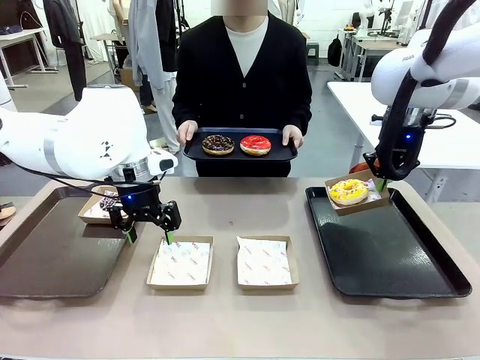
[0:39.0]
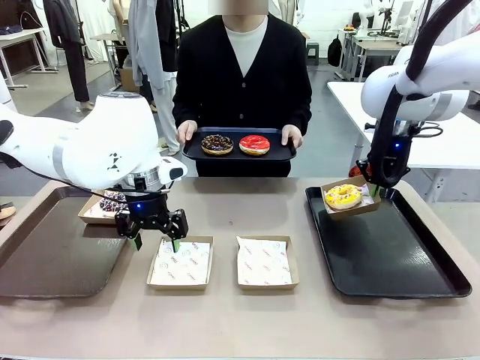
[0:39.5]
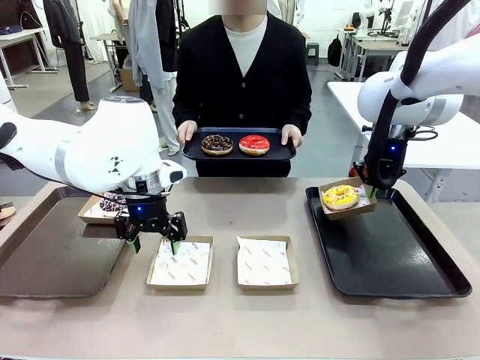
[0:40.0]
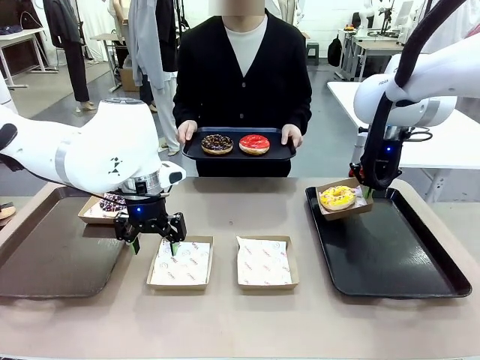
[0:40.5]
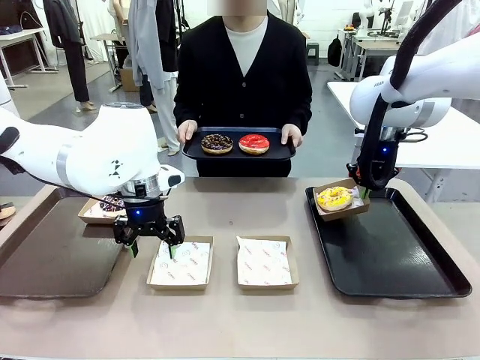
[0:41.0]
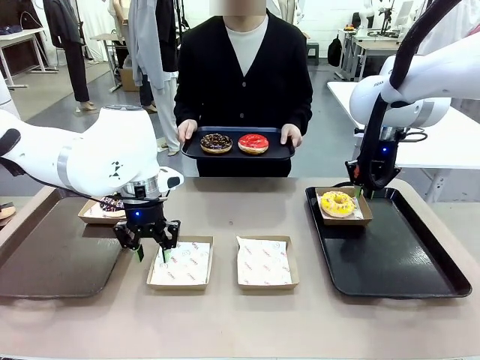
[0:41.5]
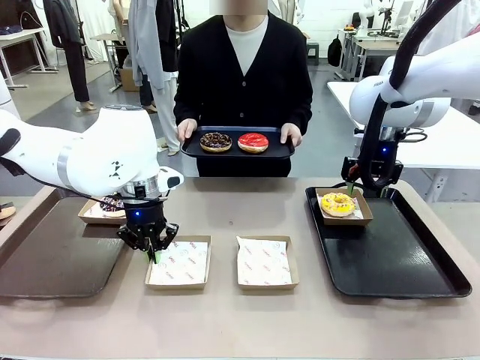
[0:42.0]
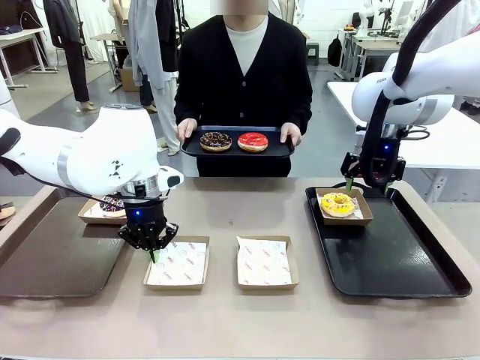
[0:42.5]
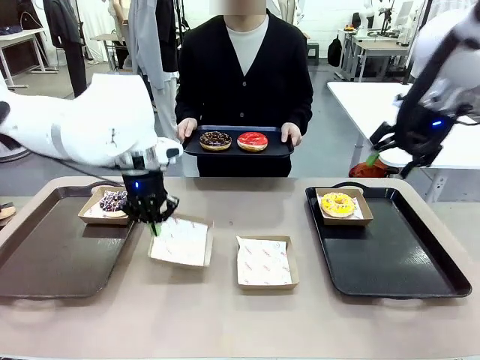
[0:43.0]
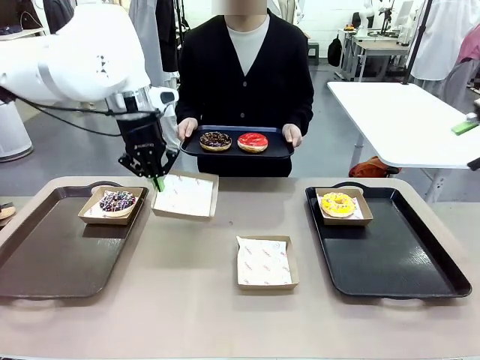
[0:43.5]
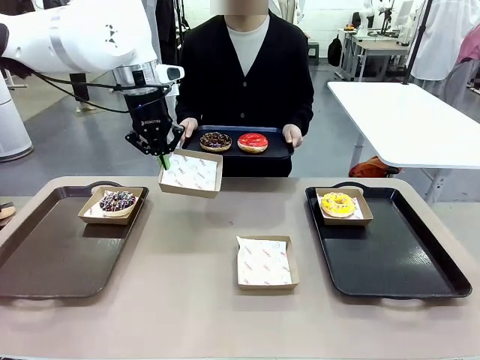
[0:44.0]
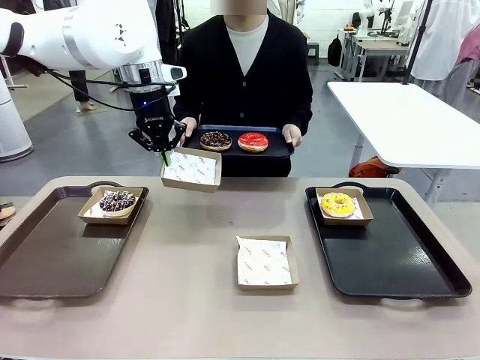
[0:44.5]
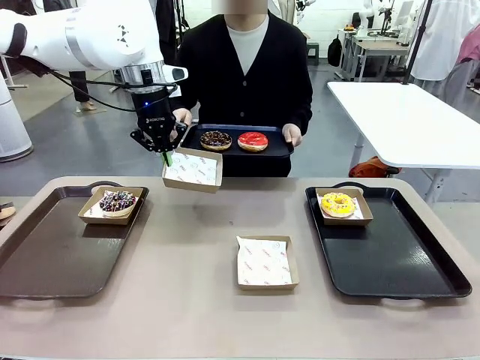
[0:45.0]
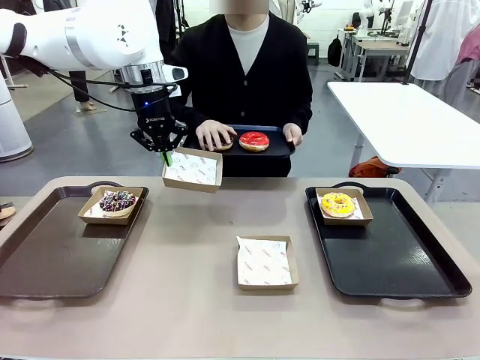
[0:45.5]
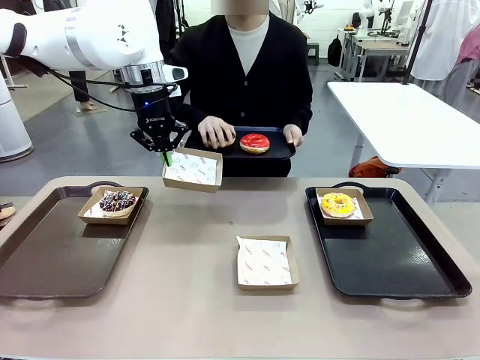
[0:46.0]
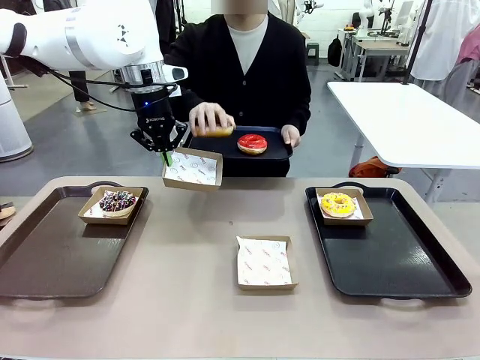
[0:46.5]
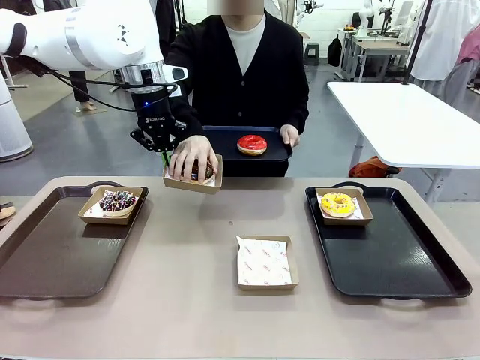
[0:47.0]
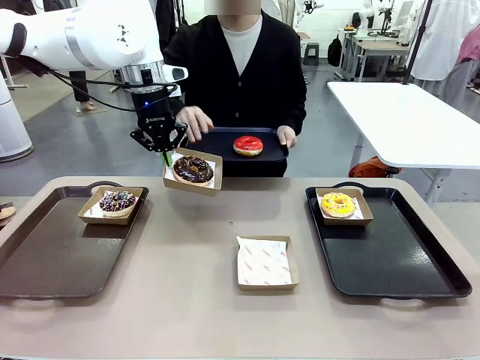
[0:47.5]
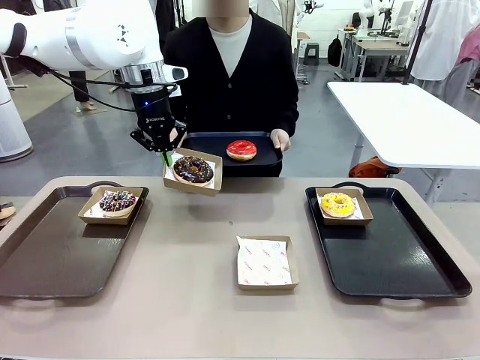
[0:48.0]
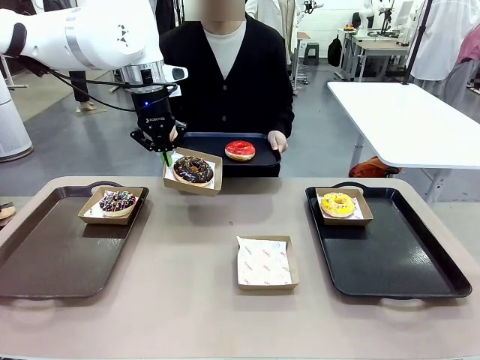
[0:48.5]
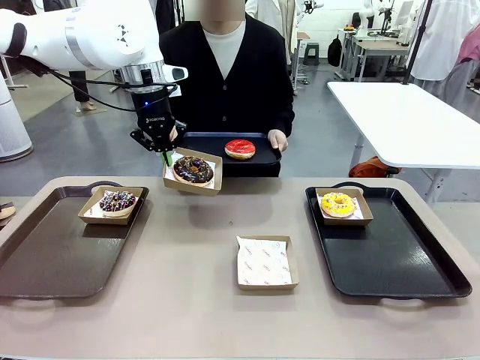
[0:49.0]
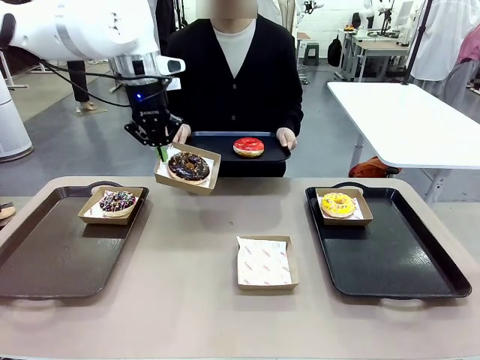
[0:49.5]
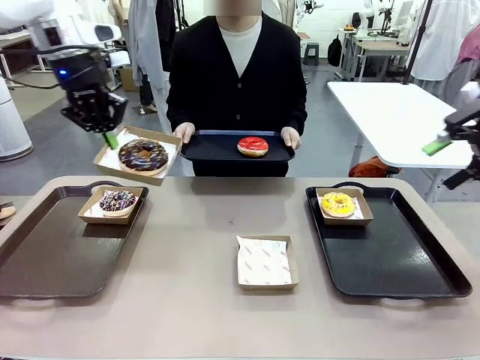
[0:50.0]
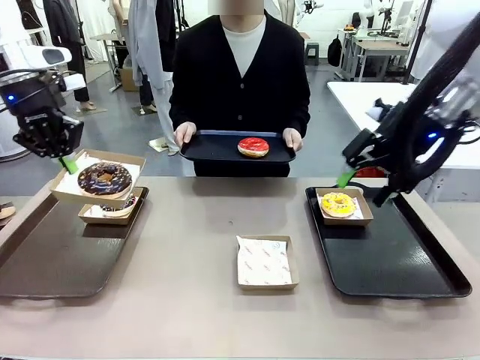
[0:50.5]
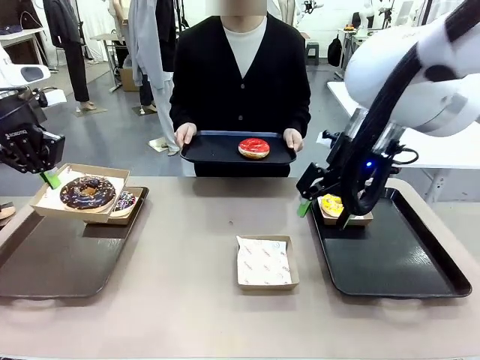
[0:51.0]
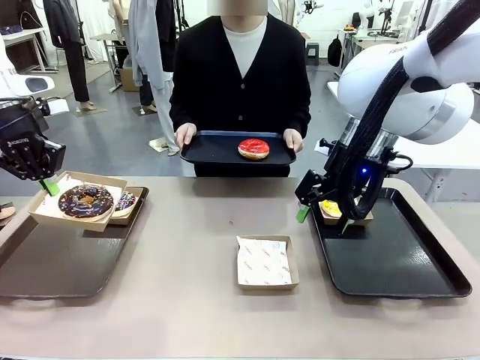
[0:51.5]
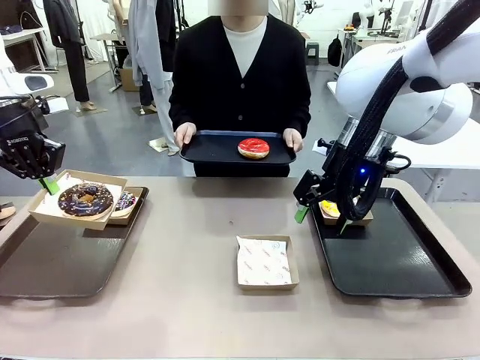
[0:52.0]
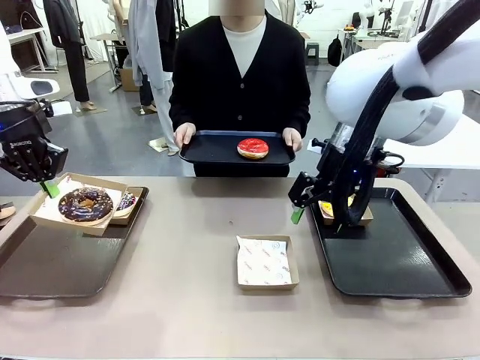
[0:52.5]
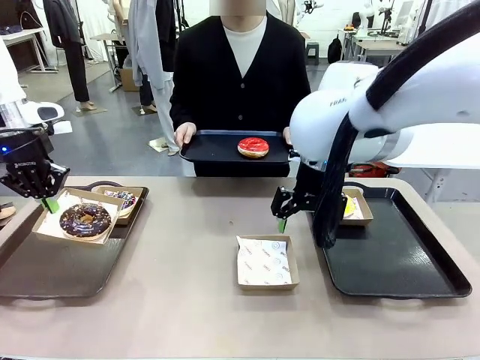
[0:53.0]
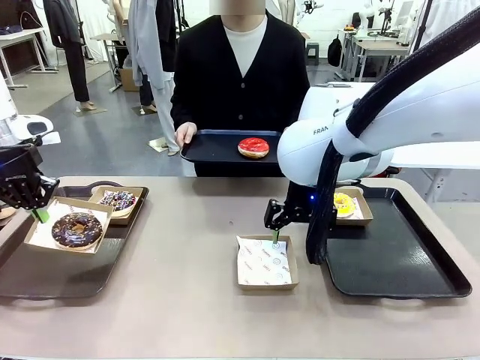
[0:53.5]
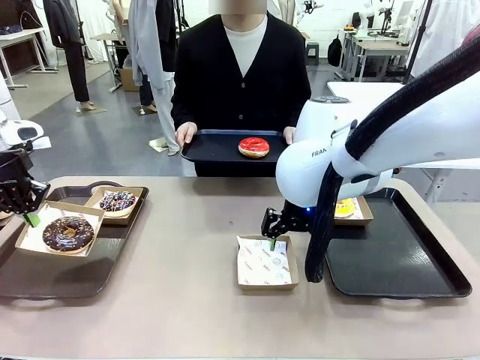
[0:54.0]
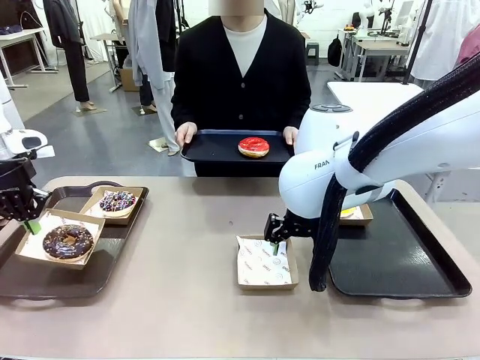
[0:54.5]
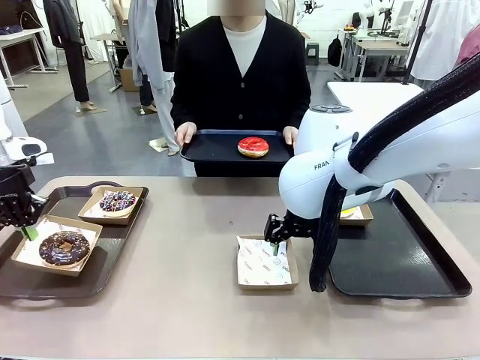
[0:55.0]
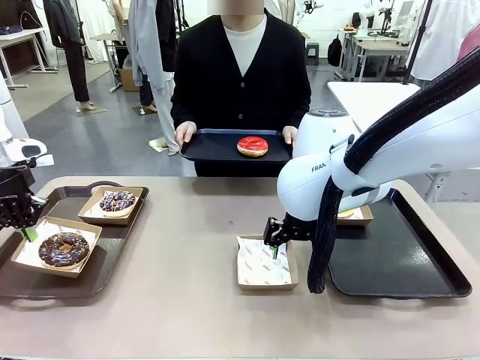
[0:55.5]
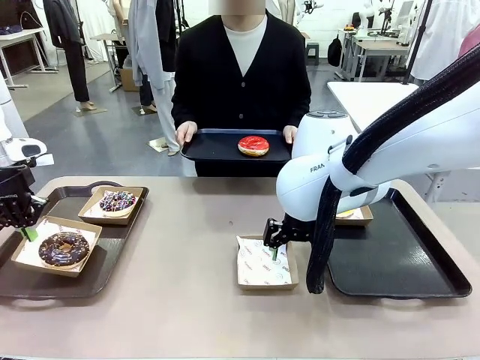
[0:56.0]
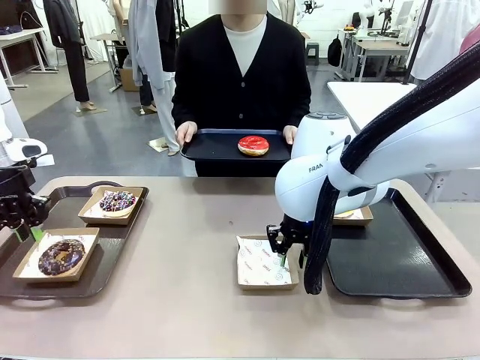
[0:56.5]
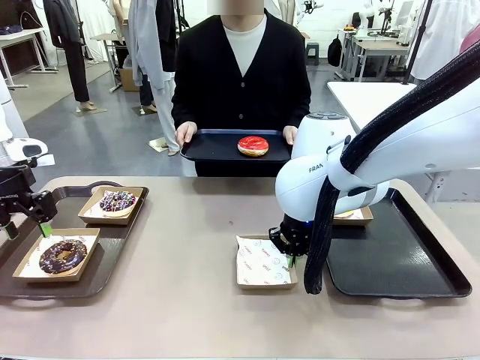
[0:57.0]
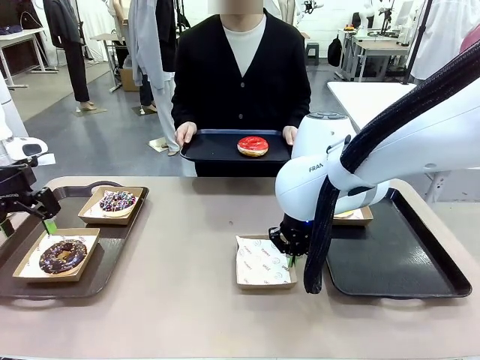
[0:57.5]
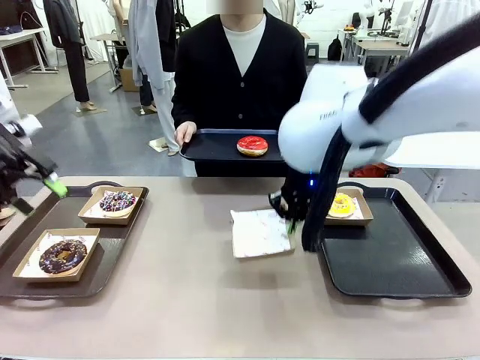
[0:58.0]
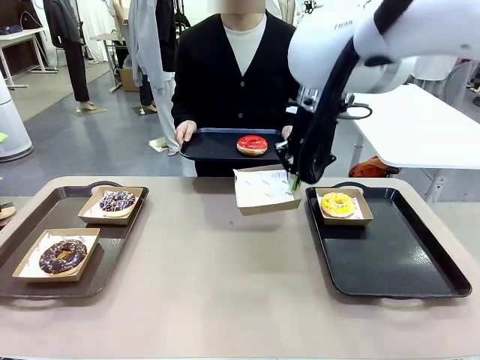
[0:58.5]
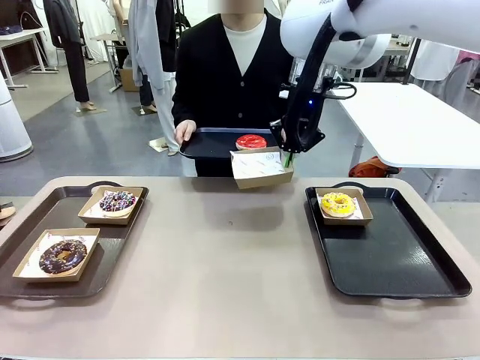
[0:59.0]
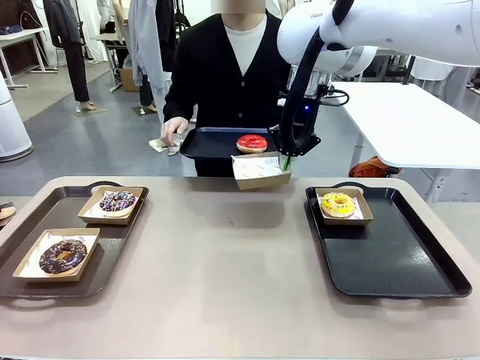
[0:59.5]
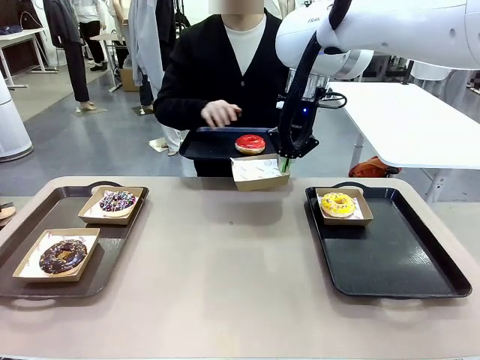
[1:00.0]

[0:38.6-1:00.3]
Task: Individually package the donuts and arrange them on the tray.
Robot: Place the picked Paper togo box on the Handle tray while simultaneously picking up another Paper togo box from the table with the other hand.

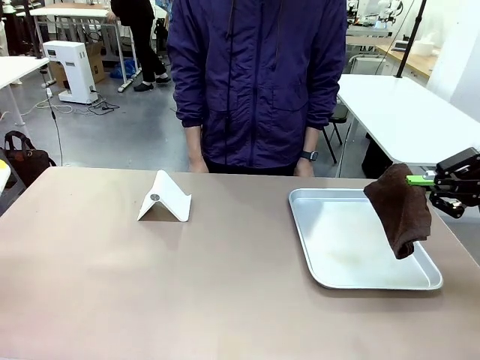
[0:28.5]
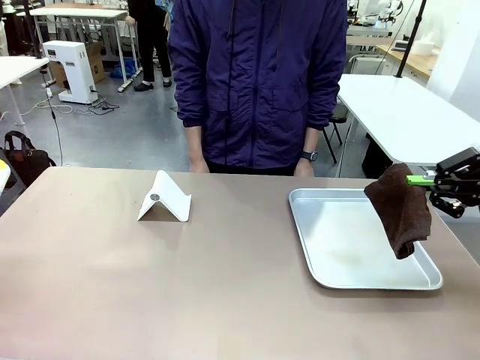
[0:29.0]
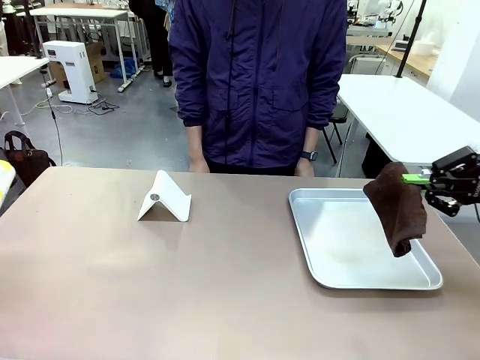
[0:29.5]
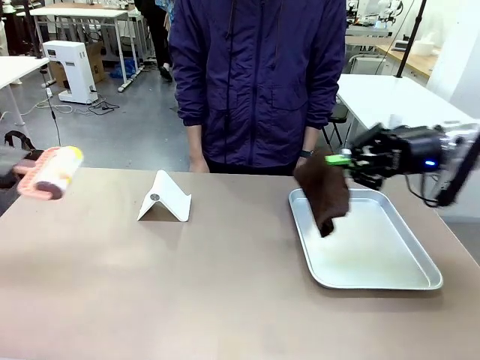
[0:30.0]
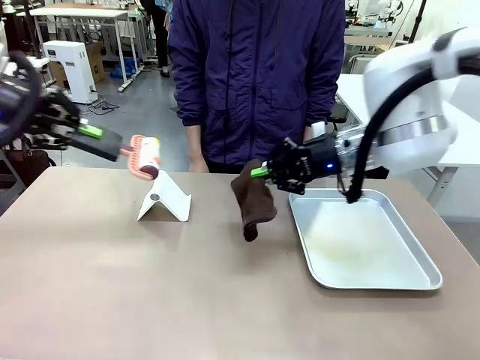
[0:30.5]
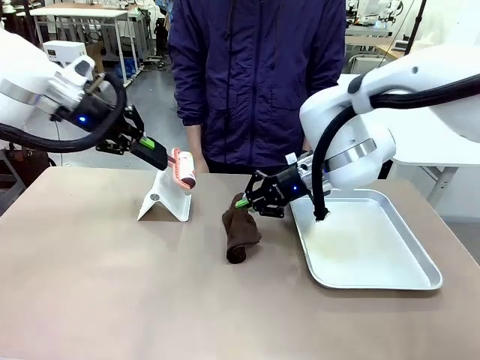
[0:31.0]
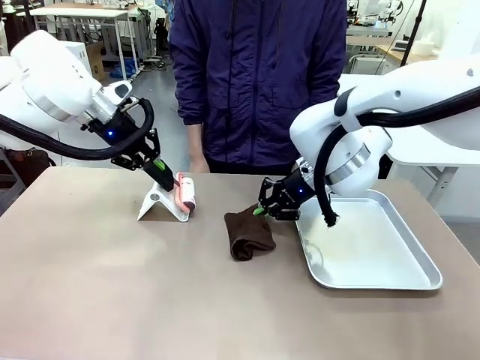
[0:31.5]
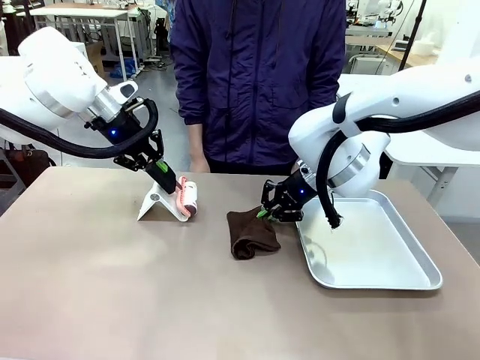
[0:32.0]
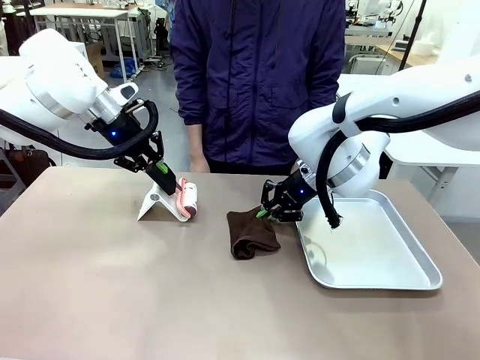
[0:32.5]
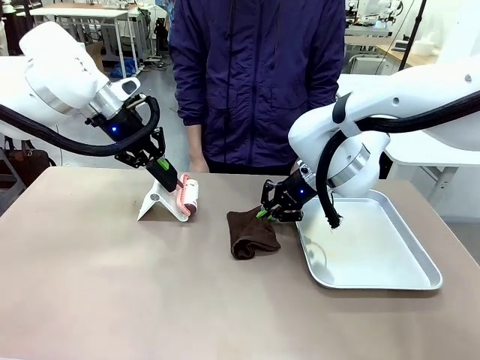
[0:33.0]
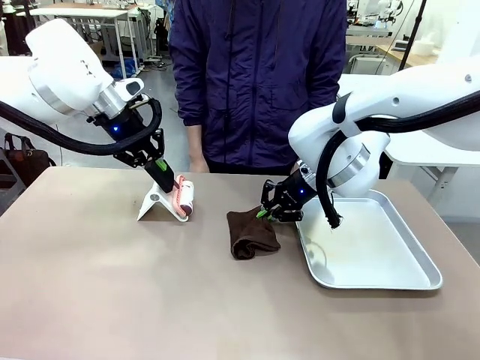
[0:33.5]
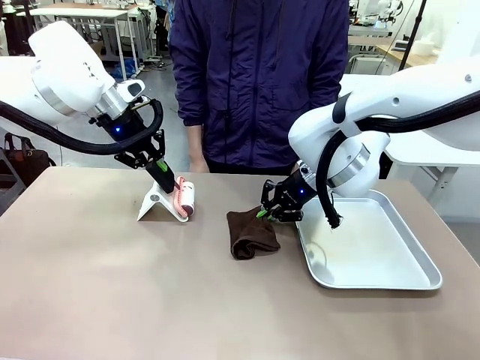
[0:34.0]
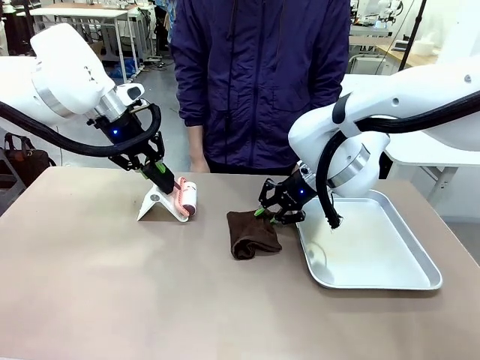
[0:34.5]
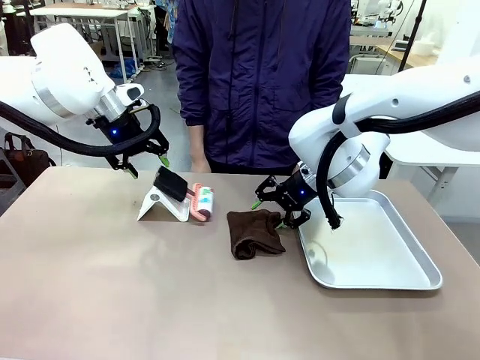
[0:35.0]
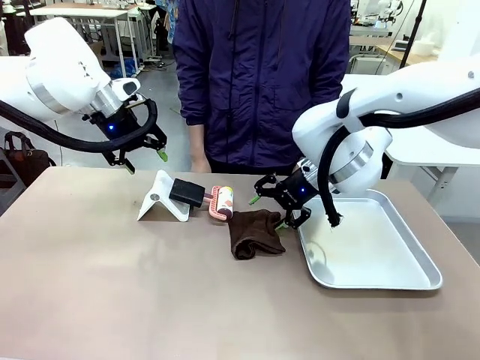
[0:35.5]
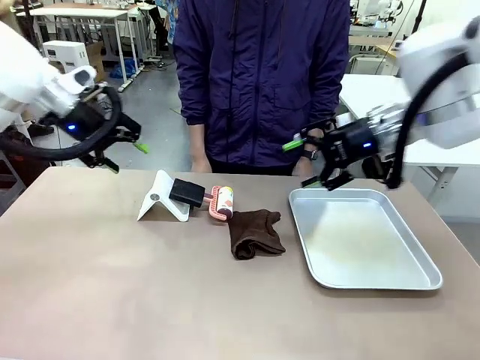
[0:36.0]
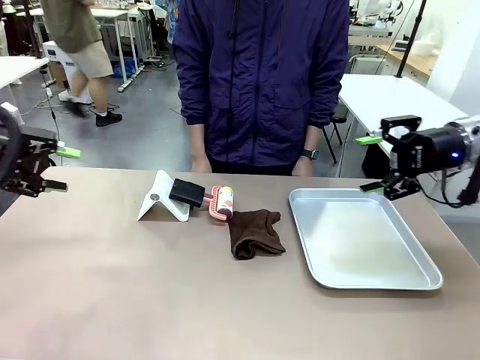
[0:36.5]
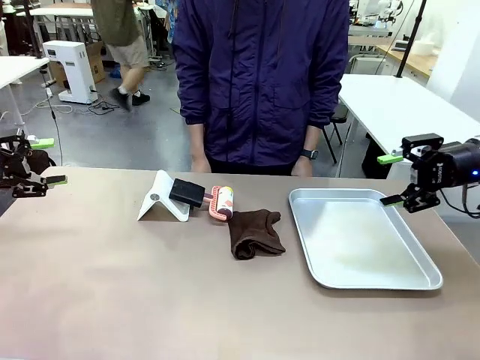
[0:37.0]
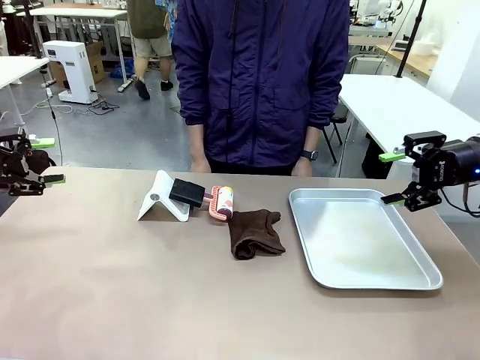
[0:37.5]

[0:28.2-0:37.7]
Task: Clean the surface of the table.
Robot: Return the Lint Roller and towel to their original positions.
